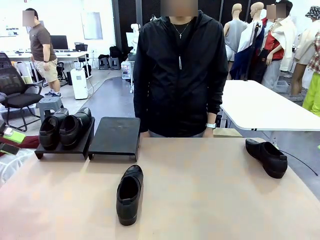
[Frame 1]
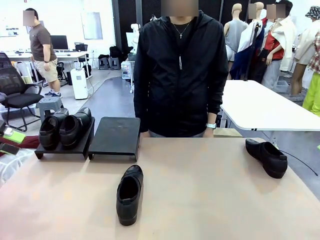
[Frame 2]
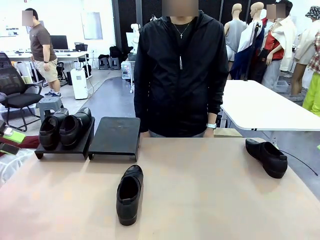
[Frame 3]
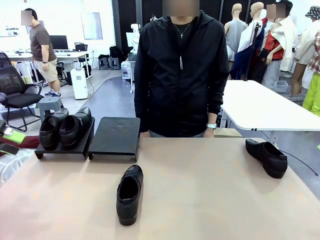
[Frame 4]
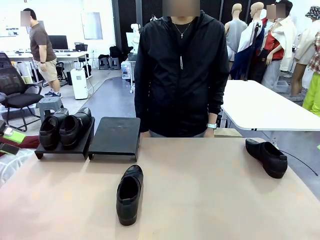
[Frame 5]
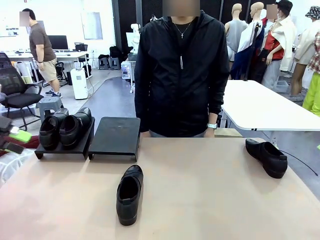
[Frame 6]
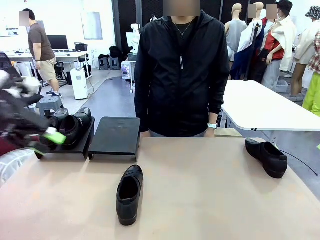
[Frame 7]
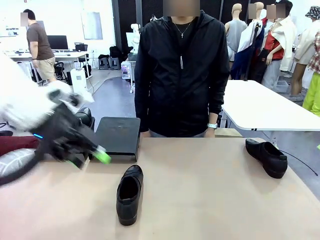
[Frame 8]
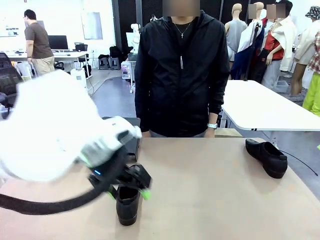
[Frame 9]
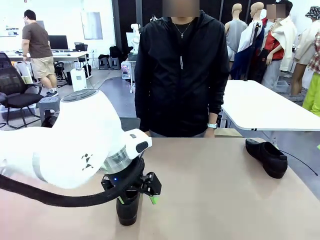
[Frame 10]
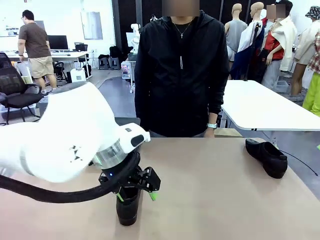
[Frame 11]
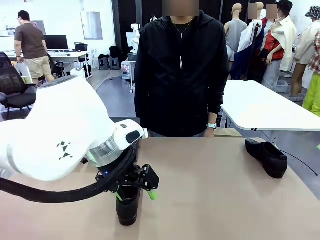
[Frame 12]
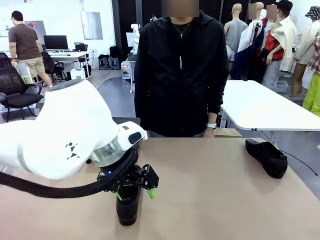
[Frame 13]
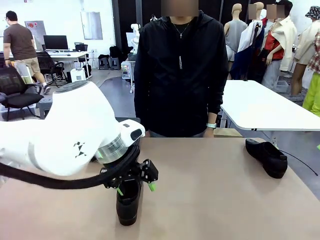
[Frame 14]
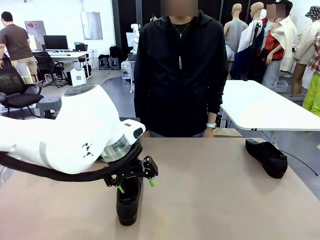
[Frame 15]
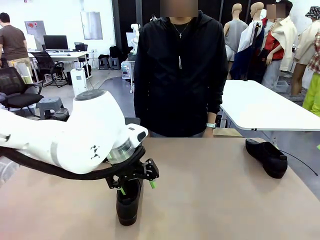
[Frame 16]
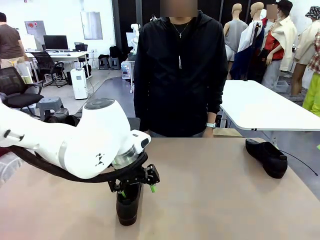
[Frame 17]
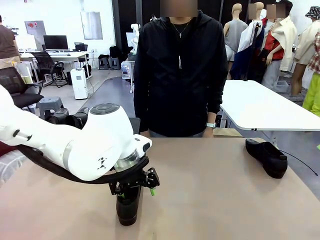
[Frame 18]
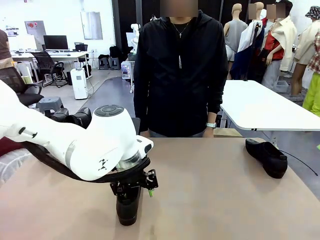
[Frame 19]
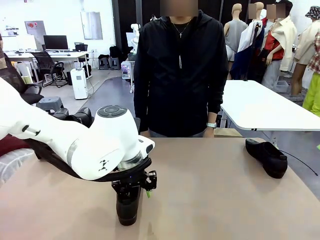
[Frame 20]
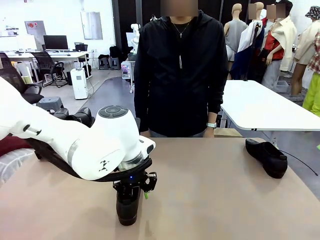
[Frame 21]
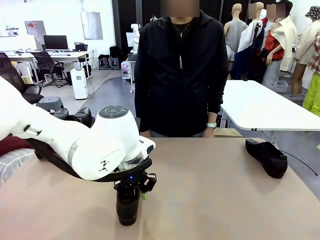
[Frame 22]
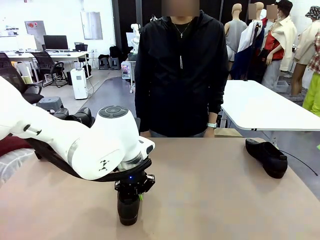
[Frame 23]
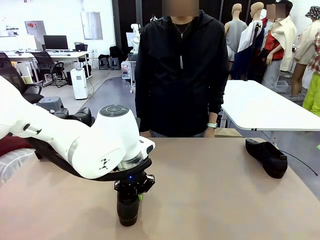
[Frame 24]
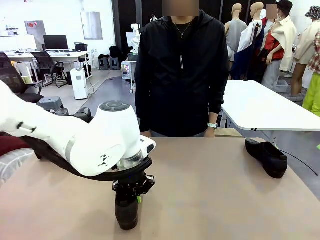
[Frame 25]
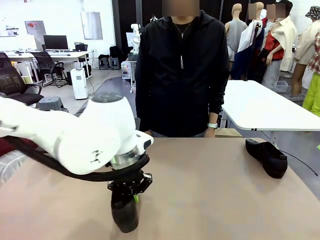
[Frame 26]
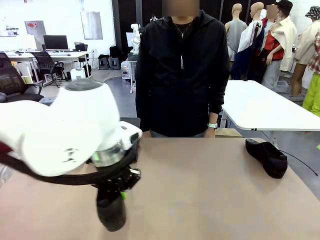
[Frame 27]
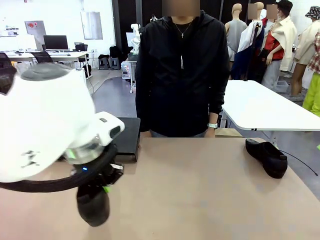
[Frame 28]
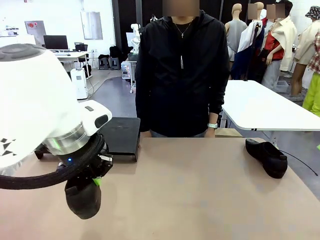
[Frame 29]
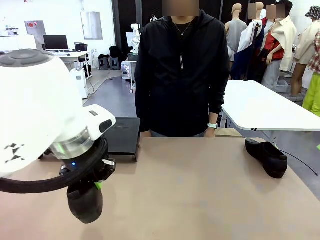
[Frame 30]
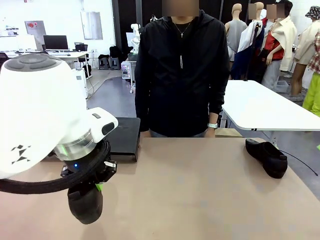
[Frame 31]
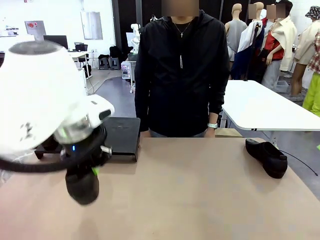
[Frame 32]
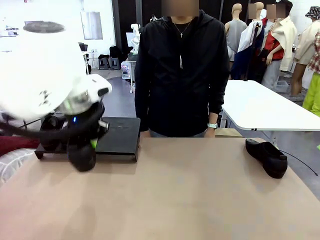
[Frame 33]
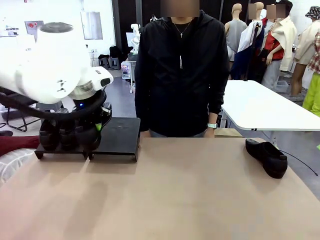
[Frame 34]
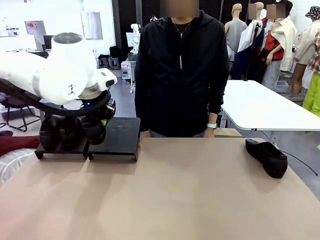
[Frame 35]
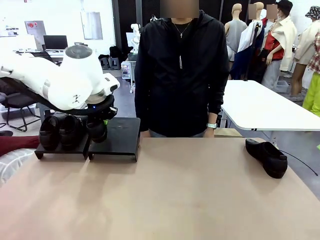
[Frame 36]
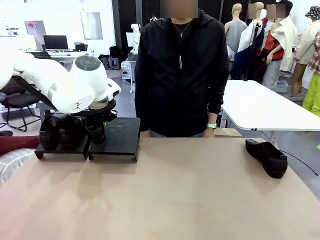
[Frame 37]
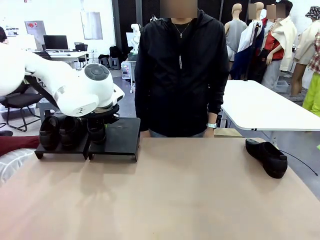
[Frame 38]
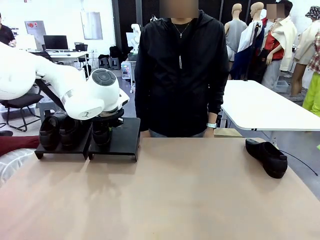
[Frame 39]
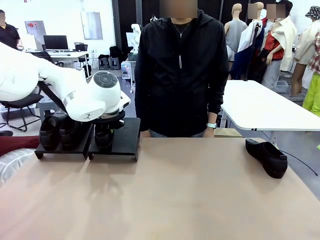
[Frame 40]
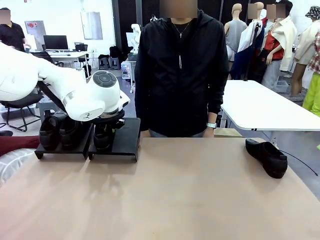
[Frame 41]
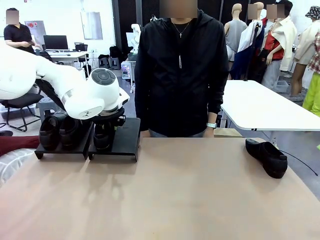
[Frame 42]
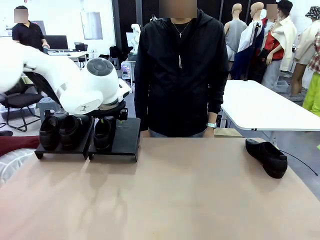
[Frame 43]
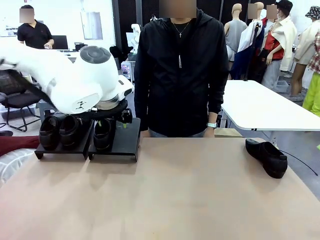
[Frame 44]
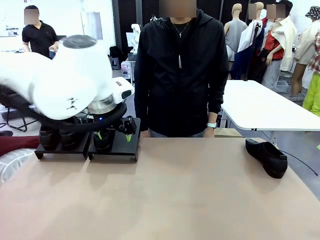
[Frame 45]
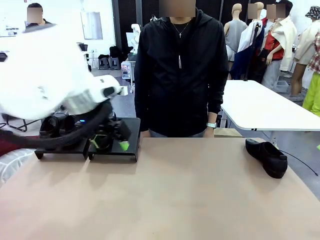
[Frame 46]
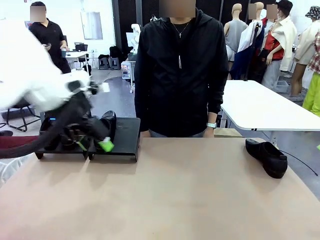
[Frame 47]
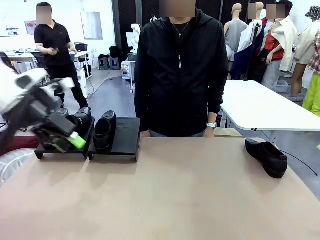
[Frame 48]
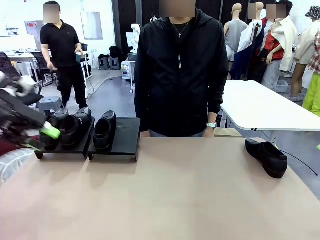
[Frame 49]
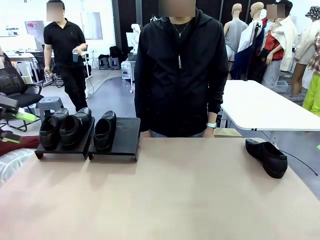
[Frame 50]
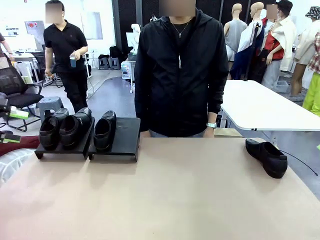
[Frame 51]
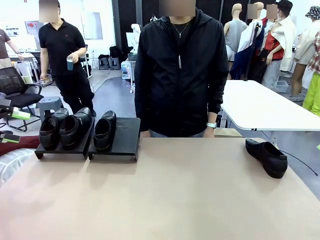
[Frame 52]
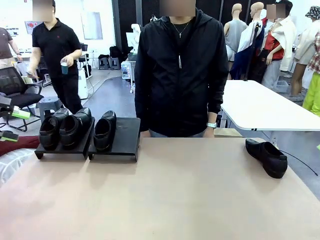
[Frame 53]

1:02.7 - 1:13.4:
Task: Organize the shoes by placing them on the stand.
Robot: Place the Shoe from the middle of the table onto the Shoes Stand.

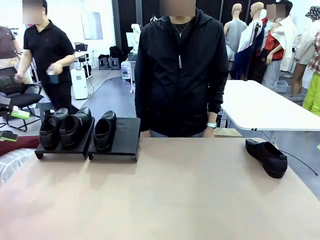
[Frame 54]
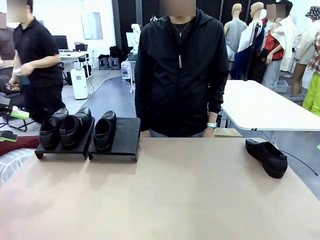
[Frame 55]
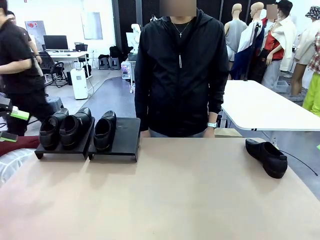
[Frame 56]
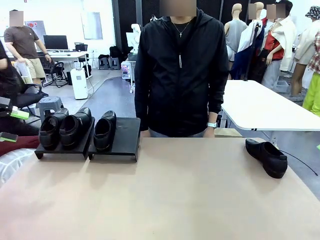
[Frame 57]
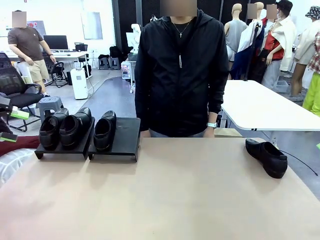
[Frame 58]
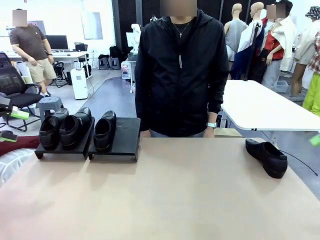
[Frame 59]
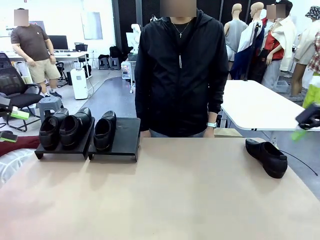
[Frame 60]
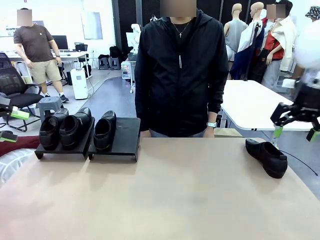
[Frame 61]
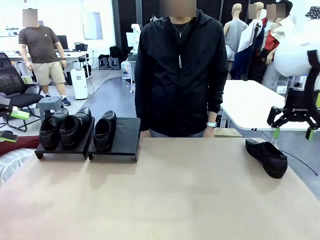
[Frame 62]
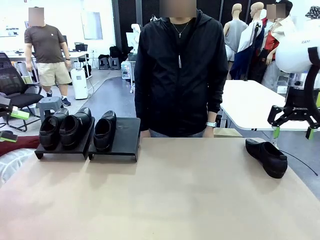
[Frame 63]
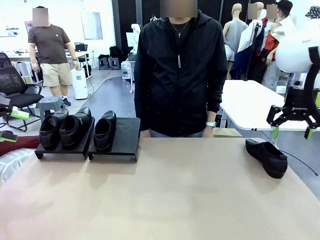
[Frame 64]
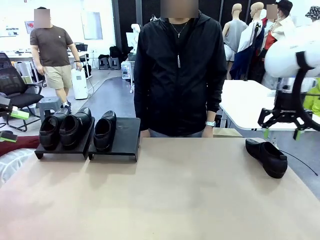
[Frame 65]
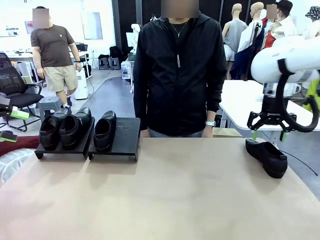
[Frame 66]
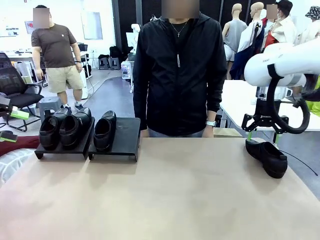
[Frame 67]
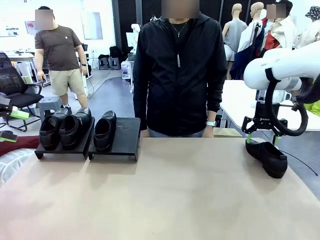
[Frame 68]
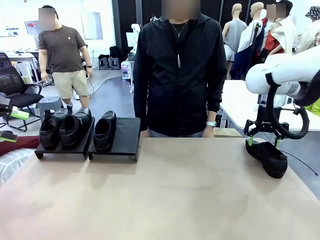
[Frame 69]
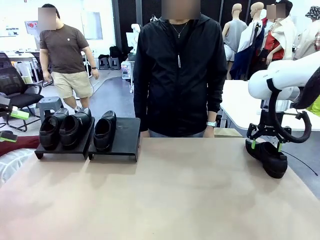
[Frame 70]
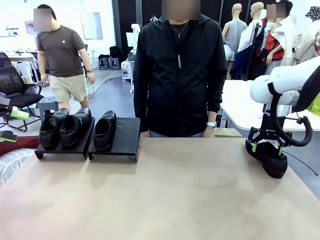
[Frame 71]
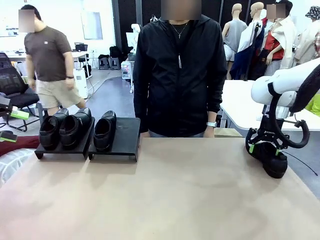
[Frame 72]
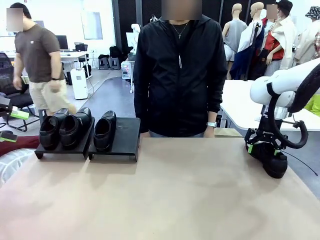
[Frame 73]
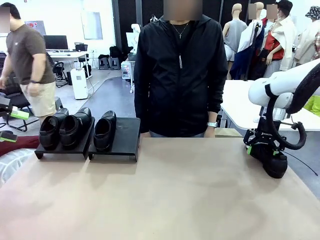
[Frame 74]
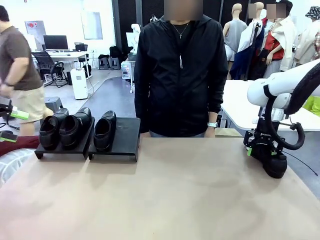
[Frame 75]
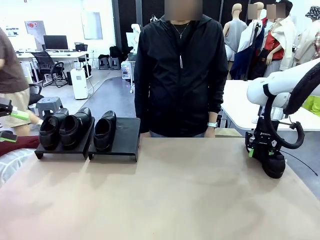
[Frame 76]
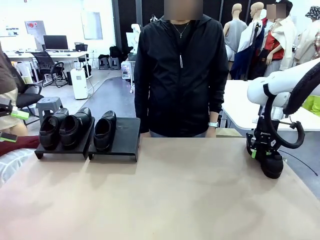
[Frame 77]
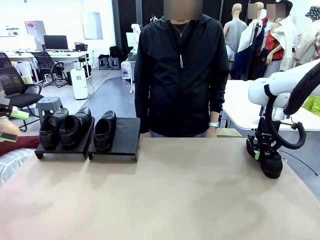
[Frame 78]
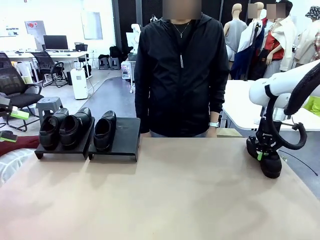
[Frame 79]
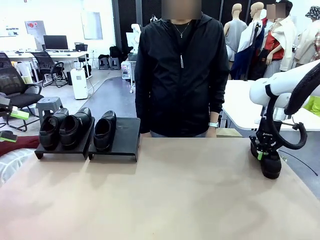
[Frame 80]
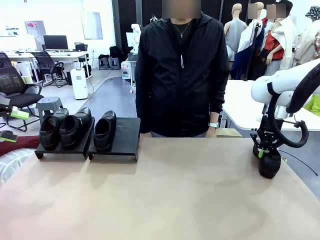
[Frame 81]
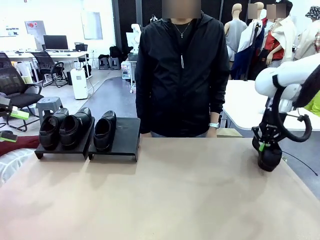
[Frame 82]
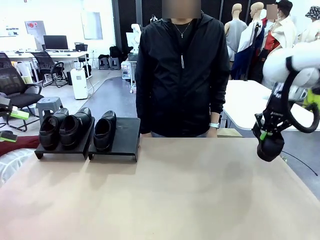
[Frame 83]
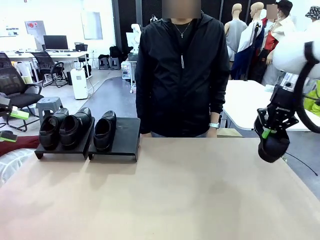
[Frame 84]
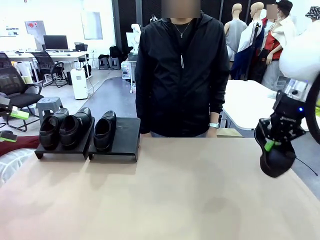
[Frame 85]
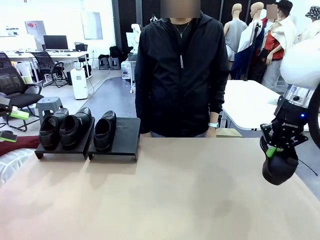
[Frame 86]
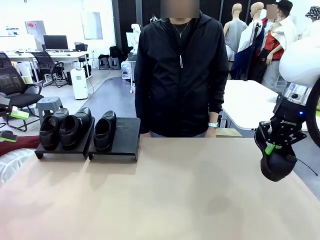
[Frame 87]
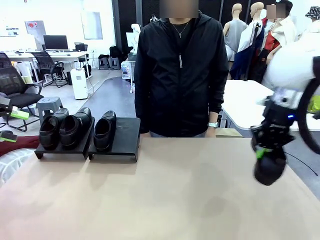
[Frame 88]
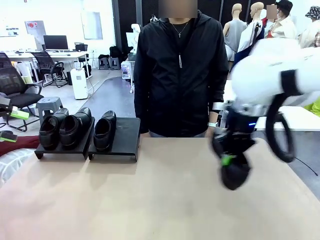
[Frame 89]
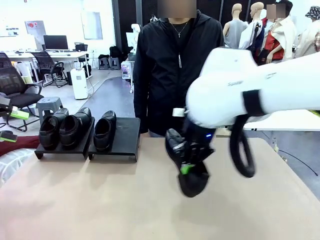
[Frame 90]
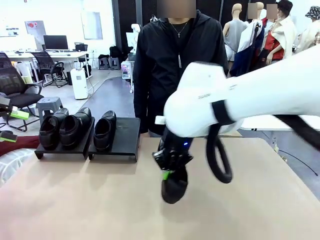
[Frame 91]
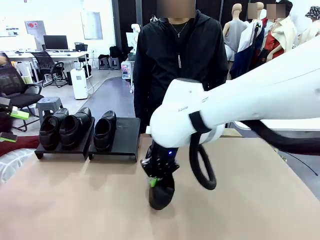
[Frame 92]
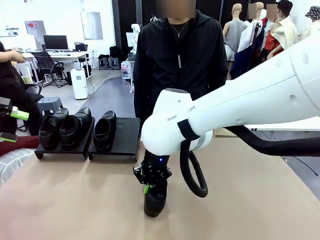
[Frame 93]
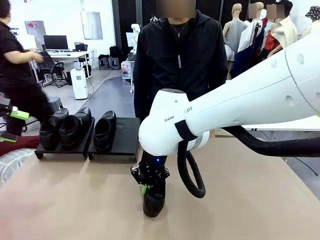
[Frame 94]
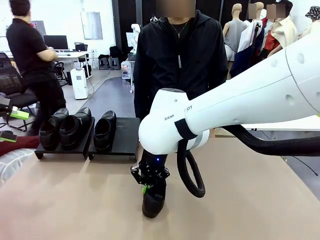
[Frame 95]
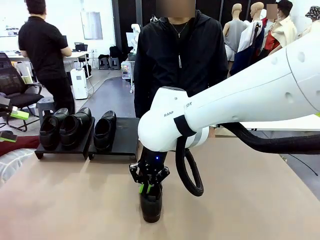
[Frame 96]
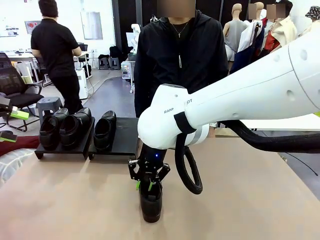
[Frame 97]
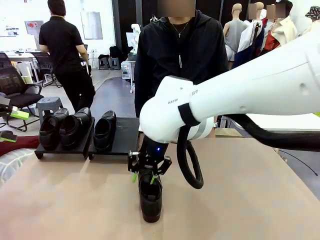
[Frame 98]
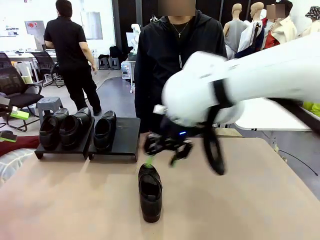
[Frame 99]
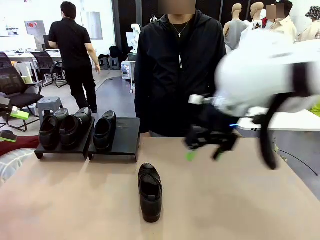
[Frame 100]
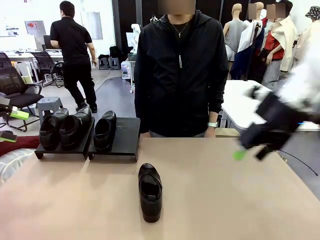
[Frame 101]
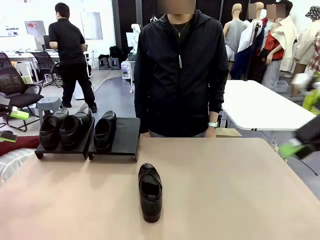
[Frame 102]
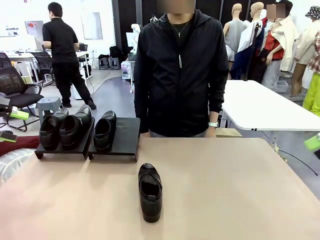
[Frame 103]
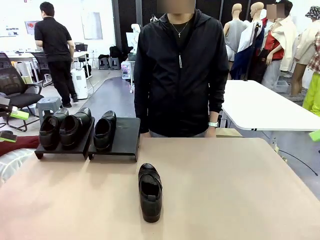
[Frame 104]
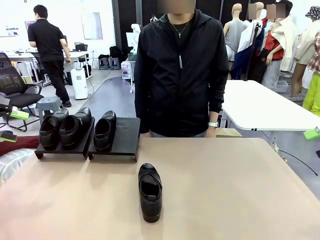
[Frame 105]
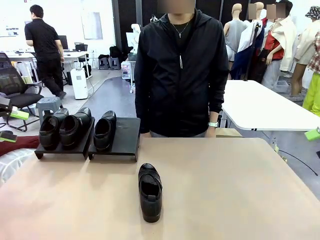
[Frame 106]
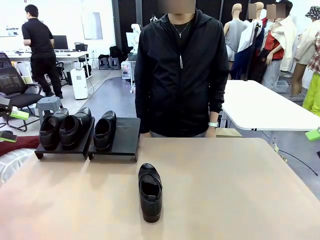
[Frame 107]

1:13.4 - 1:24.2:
Robot: Pick up one Shoe and place it in the middle of the table.
